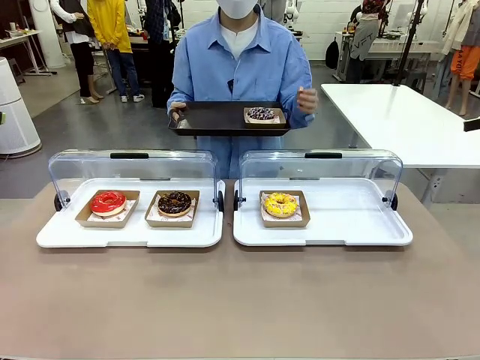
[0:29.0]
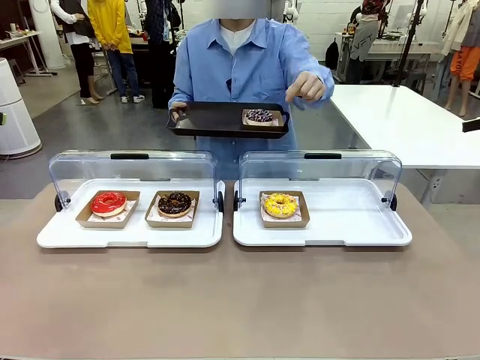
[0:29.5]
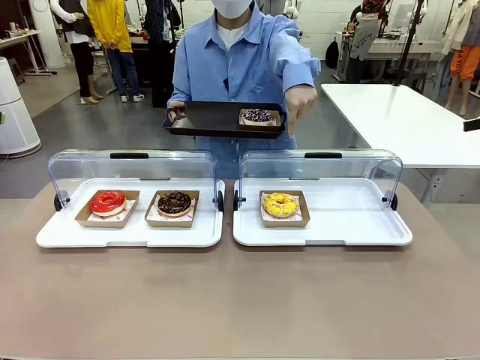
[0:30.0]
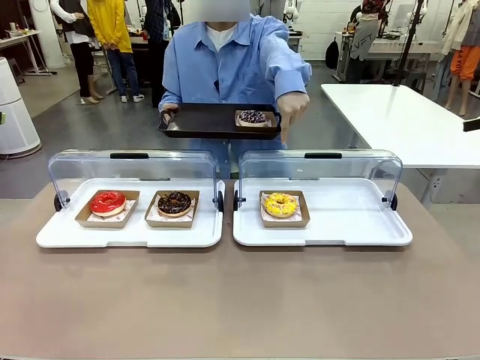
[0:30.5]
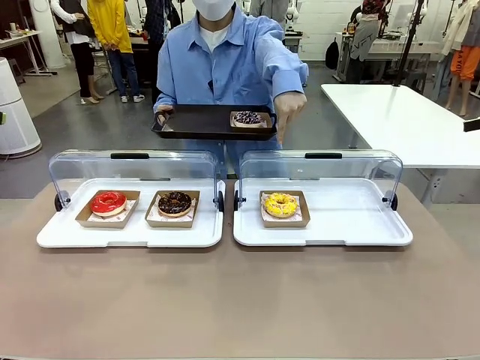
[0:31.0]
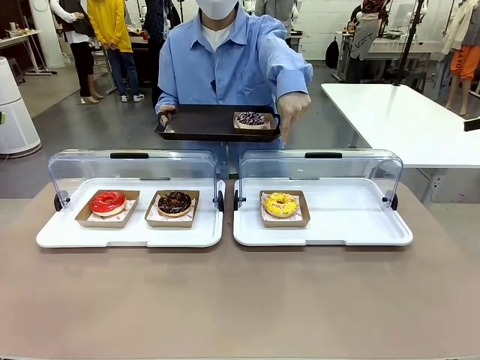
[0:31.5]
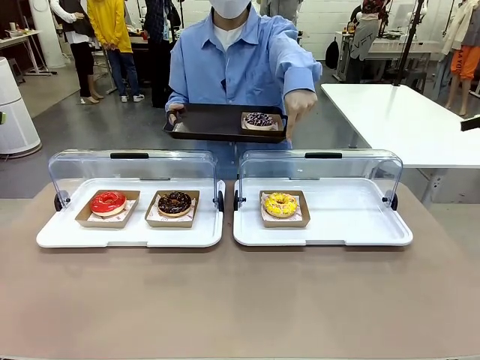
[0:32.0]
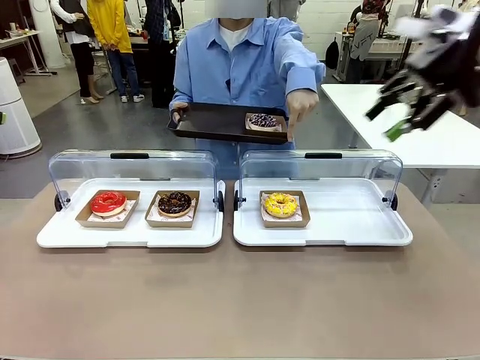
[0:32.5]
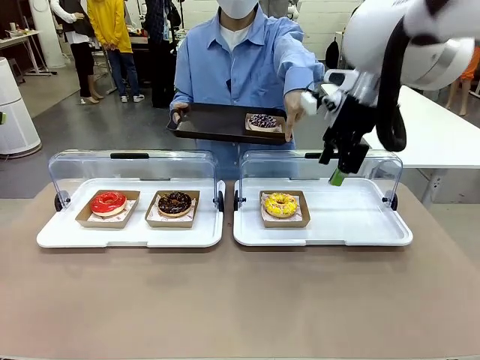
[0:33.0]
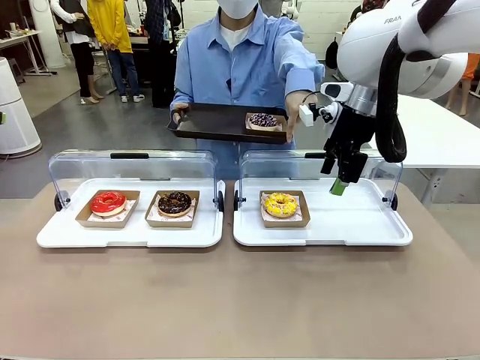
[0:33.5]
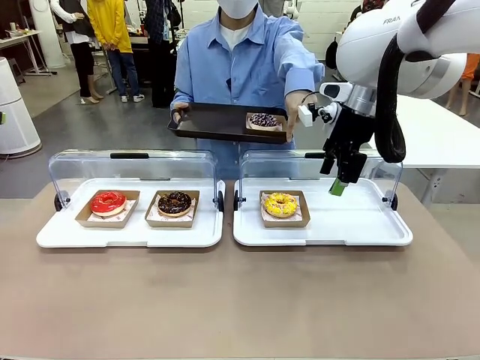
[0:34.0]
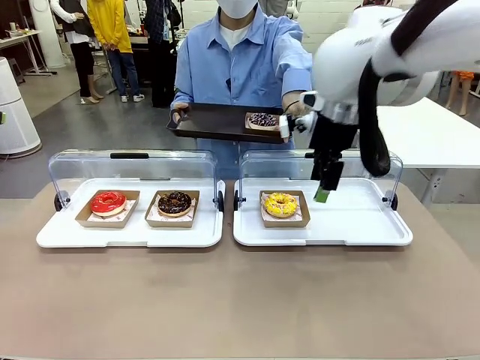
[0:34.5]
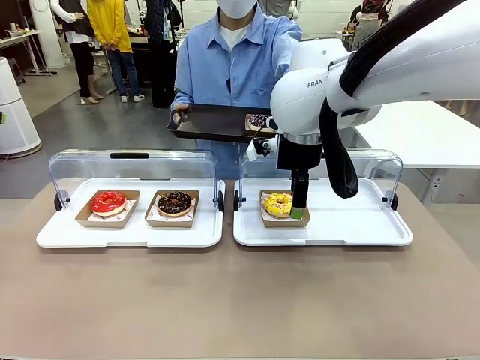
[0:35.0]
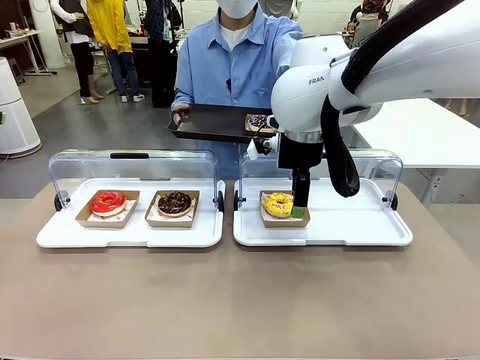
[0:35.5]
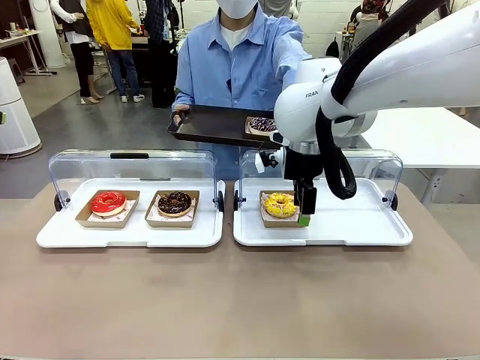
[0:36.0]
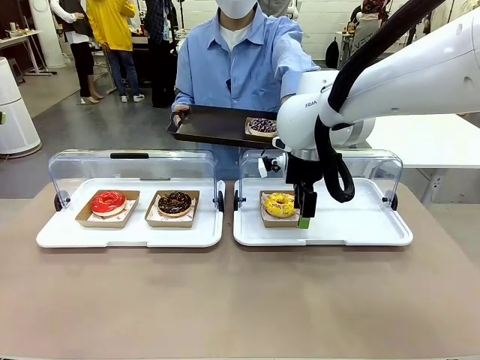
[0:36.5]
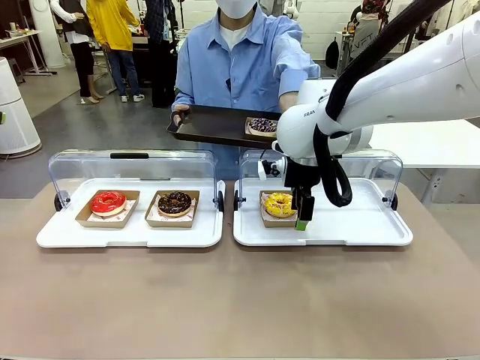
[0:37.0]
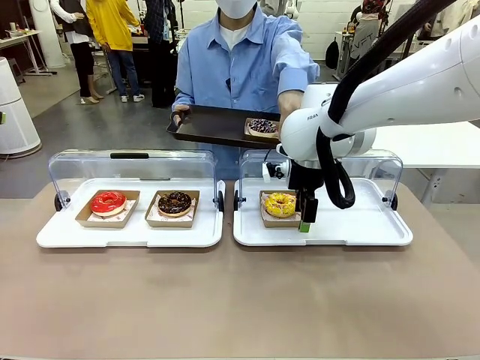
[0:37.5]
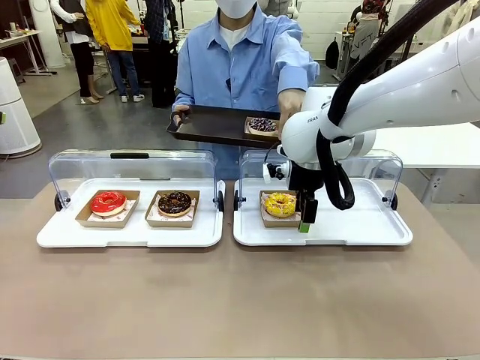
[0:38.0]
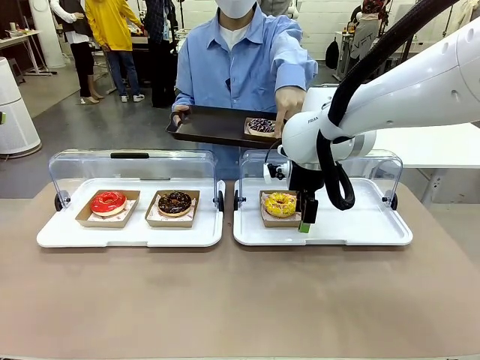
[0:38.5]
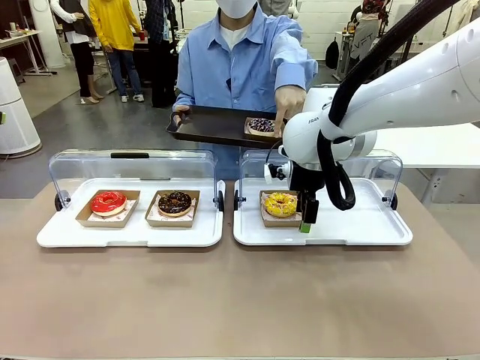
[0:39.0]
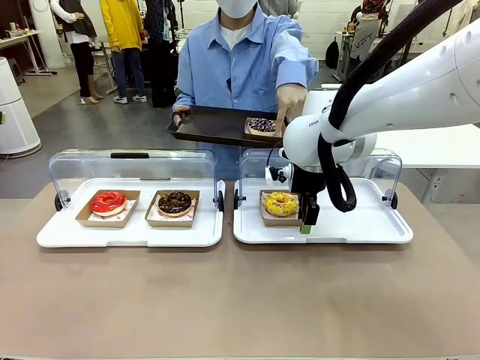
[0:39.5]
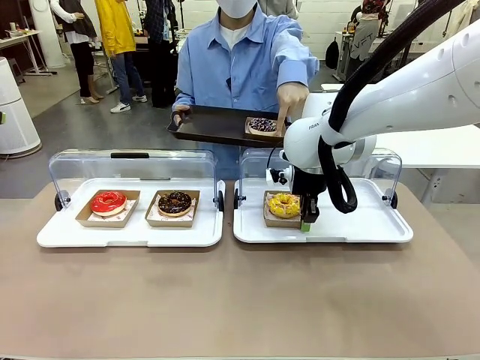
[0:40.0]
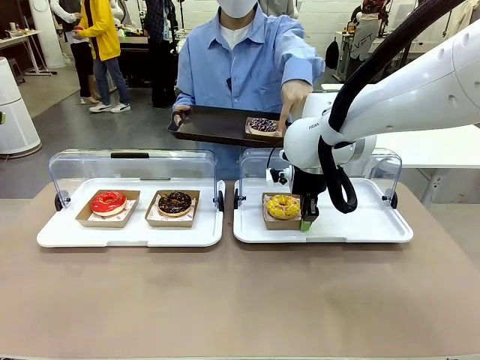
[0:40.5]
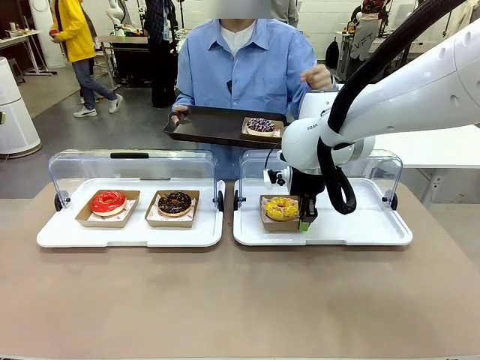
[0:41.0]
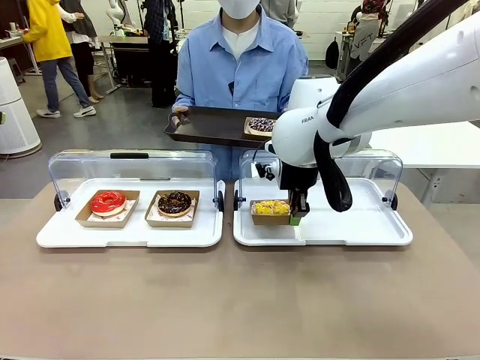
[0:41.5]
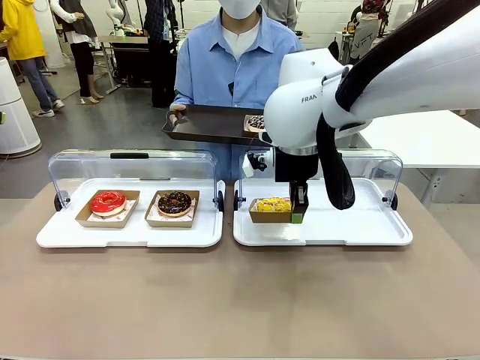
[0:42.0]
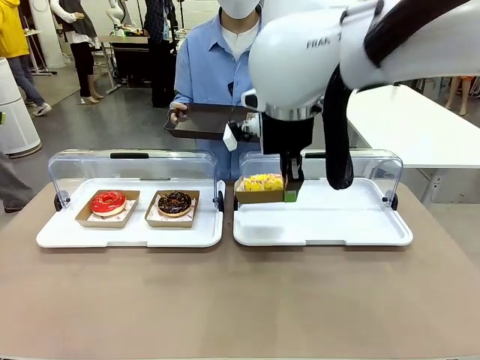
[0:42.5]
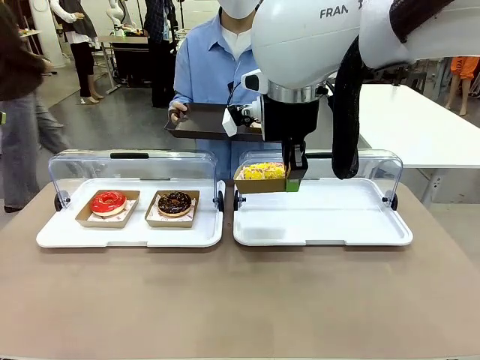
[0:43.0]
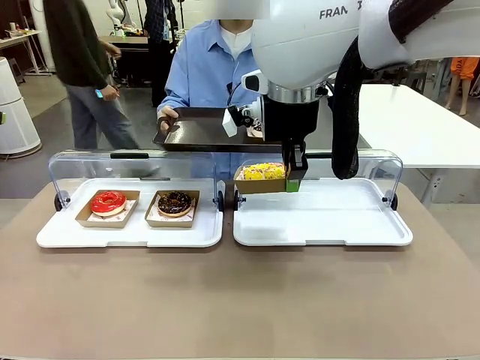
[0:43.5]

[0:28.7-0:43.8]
Task: Provide the desired donut to the person.
Robot: Pick up and lift the Paper togo box containing the Donut pointed at by the person.
Person: Lift the tray onto the Roll-Top Bakery Case.

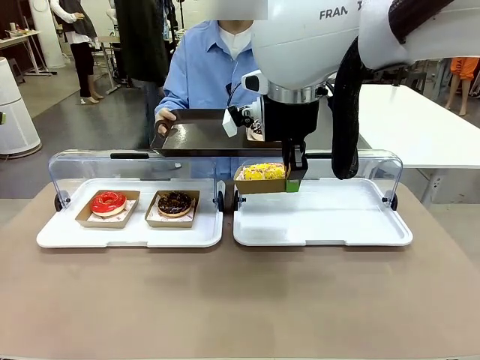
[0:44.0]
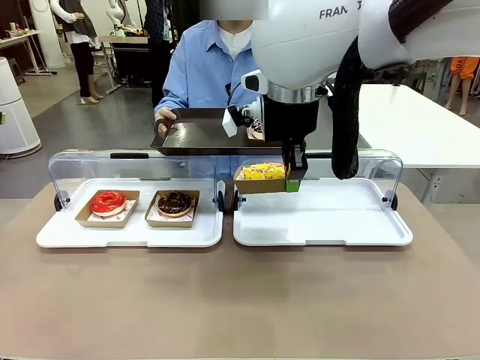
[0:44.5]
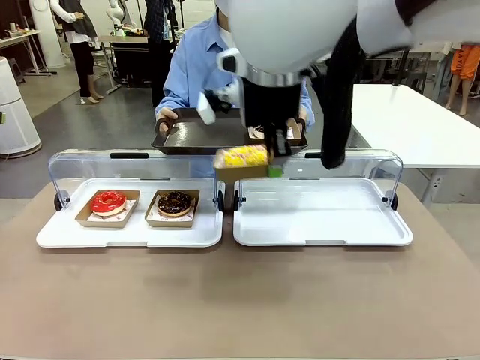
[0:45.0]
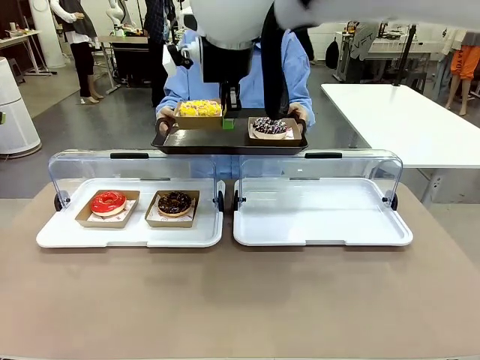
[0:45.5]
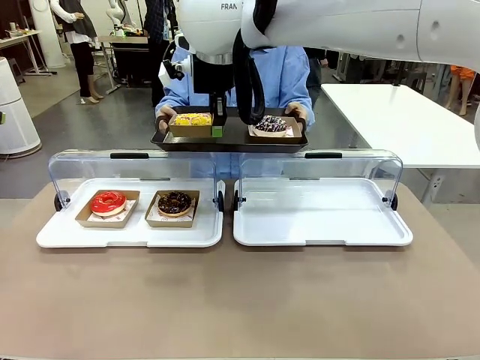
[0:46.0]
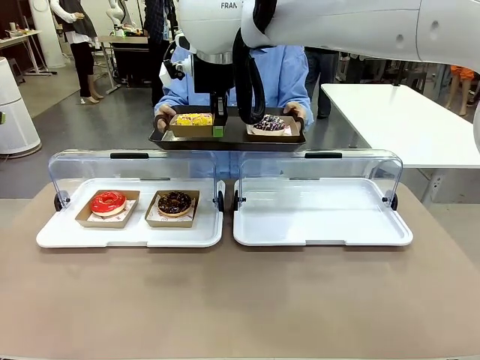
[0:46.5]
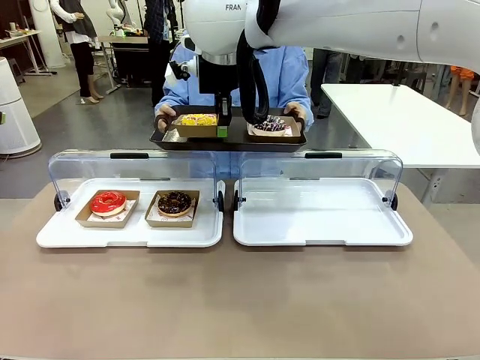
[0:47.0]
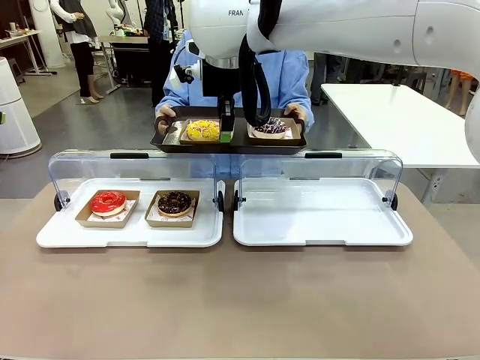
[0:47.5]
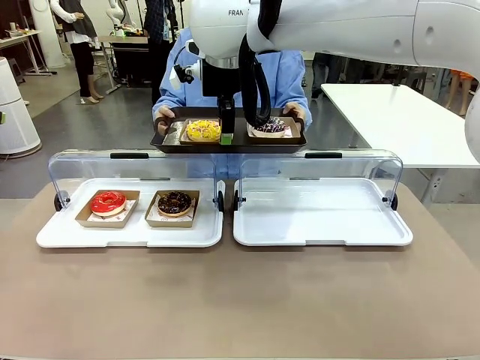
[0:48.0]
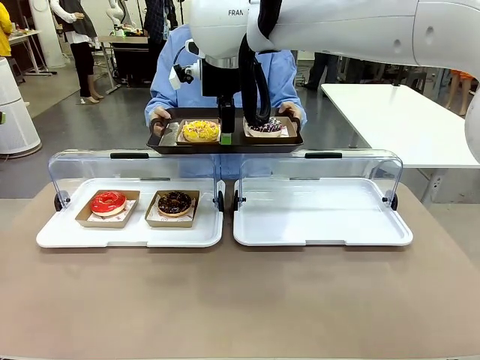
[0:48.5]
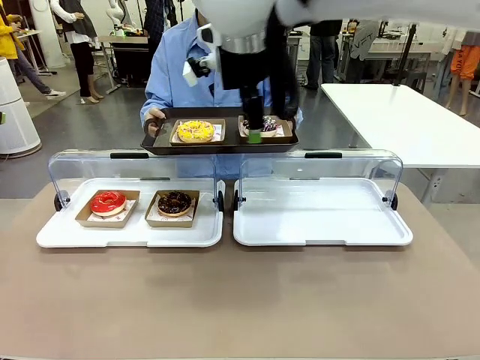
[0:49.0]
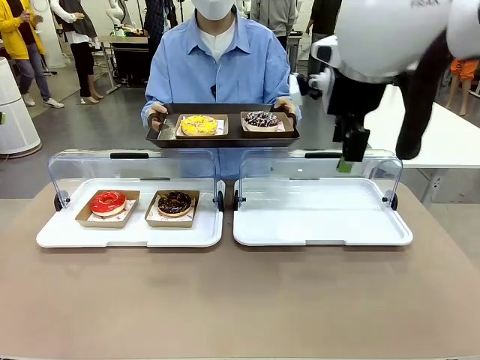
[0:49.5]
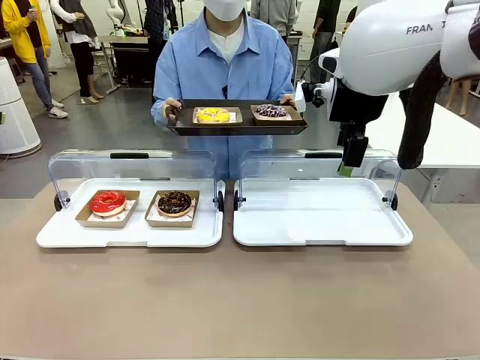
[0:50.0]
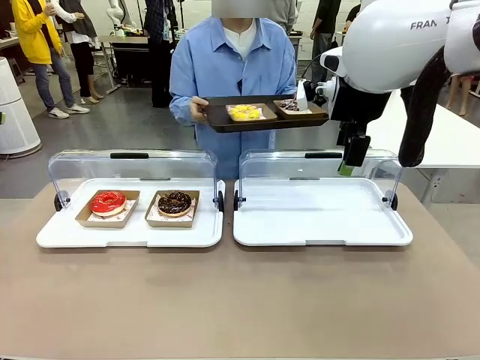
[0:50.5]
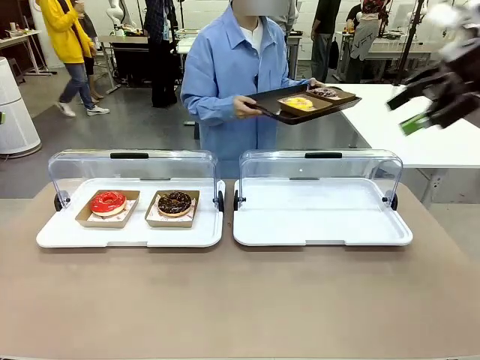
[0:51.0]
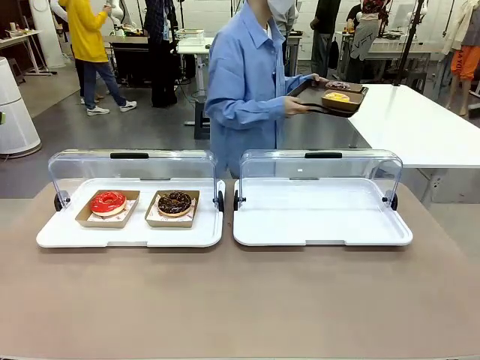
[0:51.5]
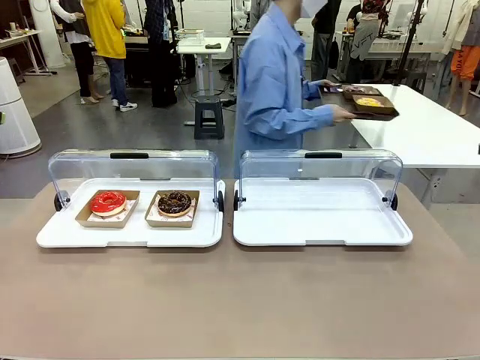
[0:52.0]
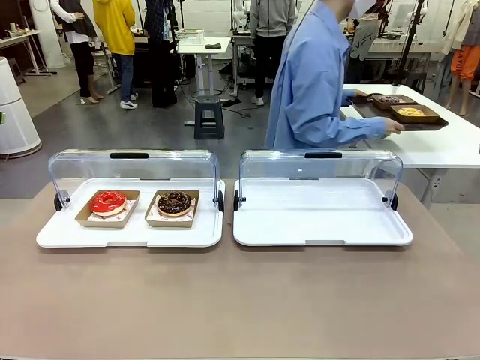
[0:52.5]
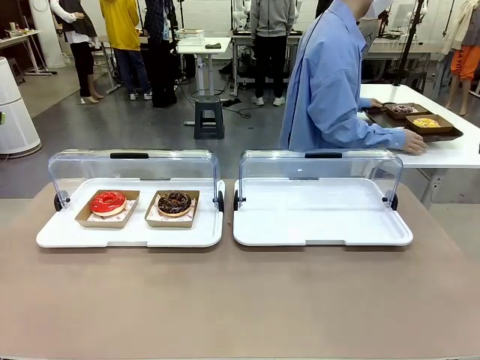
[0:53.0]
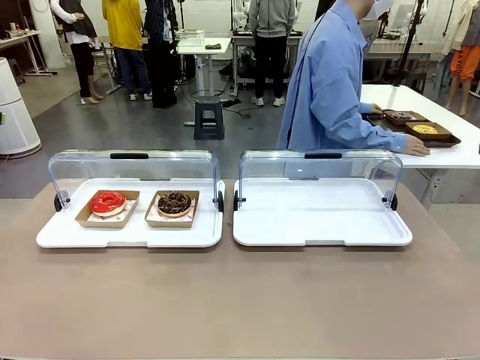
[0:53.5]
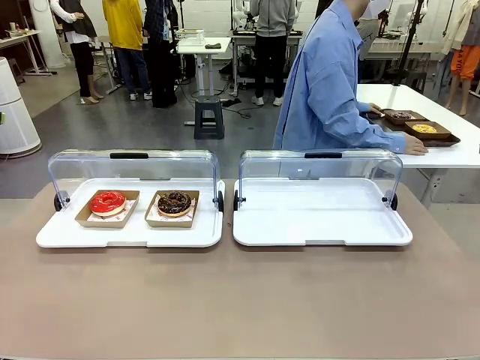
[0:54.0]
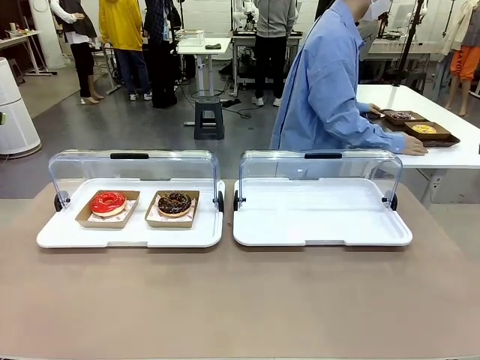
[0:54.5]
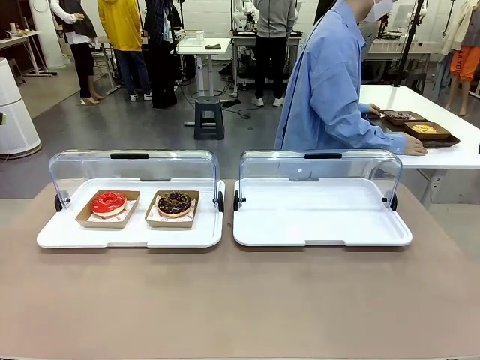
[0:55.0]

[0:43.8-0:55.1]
Robot: Place the picked Paper togo box onto the Handle tray extended by the person.
Person: Place the tray in the middle of the human table.
